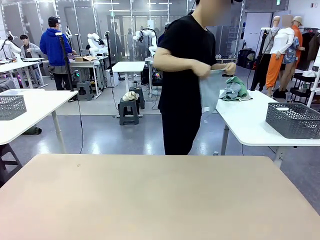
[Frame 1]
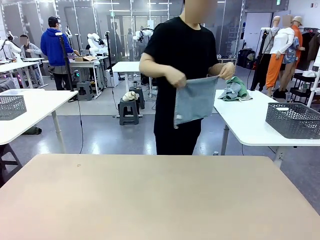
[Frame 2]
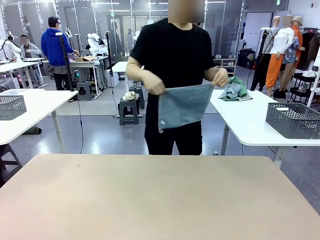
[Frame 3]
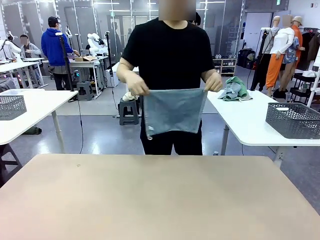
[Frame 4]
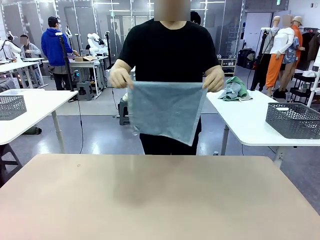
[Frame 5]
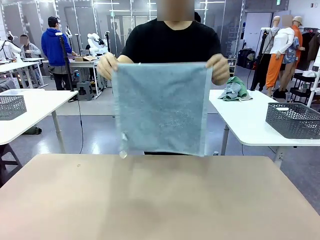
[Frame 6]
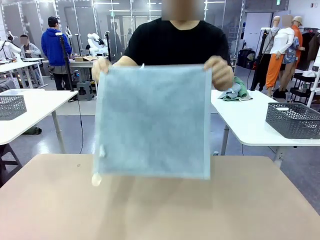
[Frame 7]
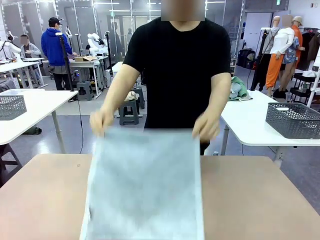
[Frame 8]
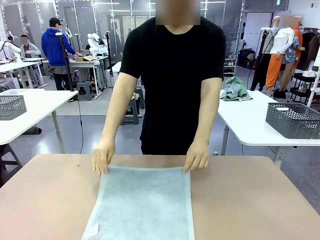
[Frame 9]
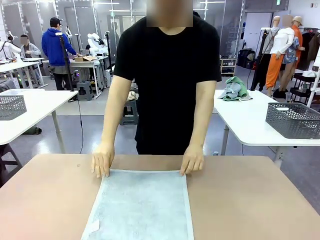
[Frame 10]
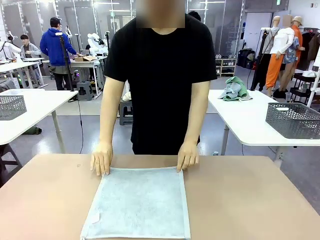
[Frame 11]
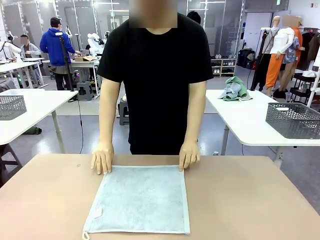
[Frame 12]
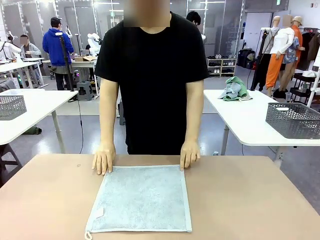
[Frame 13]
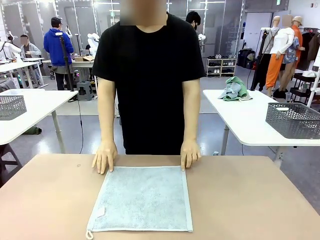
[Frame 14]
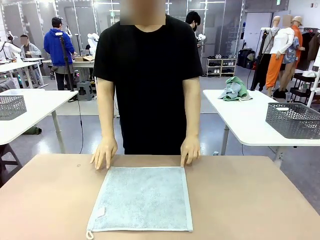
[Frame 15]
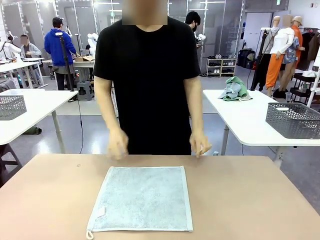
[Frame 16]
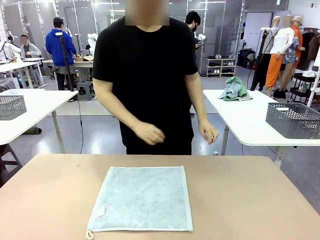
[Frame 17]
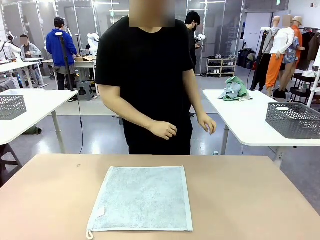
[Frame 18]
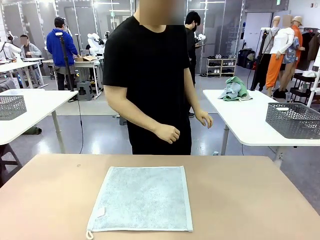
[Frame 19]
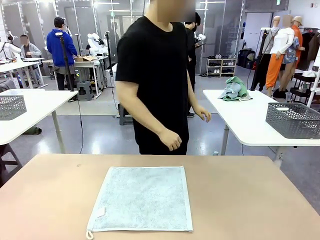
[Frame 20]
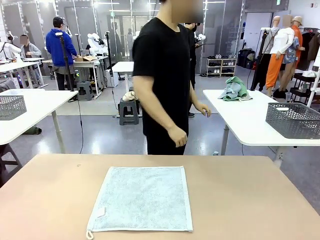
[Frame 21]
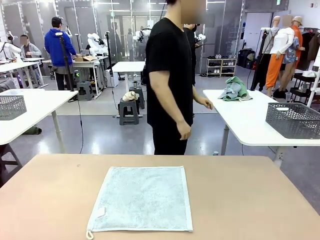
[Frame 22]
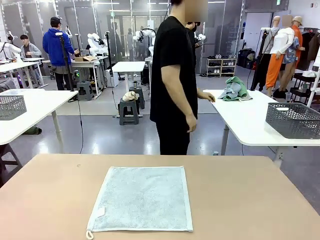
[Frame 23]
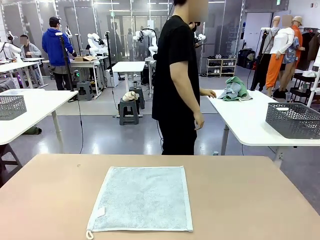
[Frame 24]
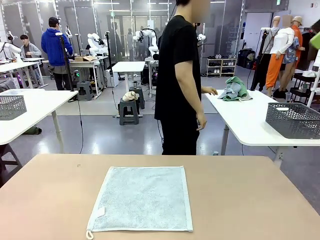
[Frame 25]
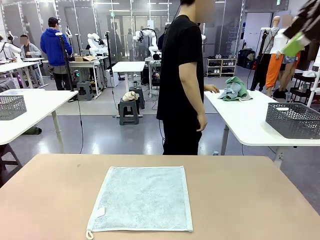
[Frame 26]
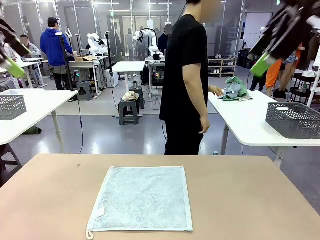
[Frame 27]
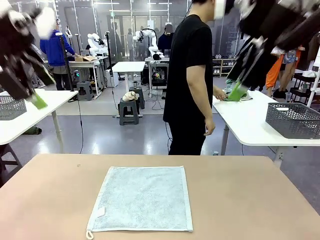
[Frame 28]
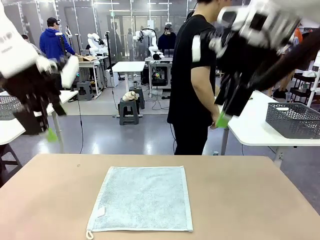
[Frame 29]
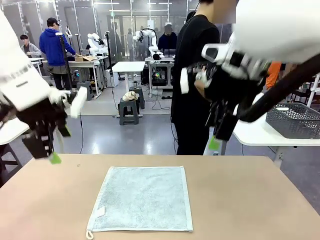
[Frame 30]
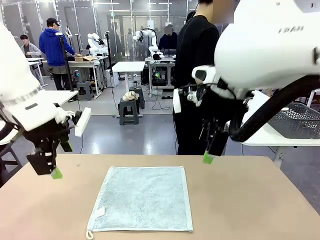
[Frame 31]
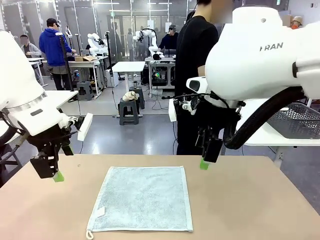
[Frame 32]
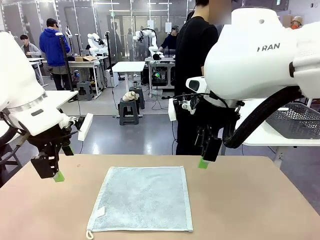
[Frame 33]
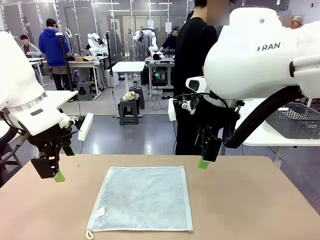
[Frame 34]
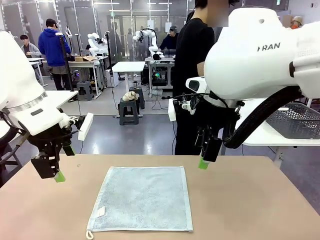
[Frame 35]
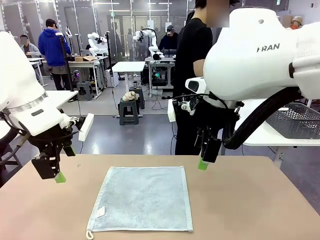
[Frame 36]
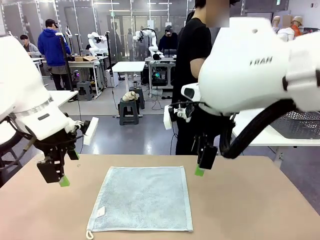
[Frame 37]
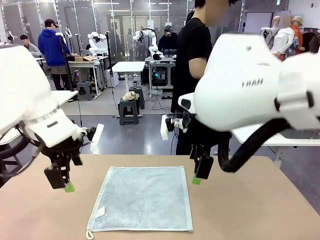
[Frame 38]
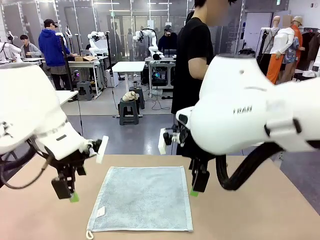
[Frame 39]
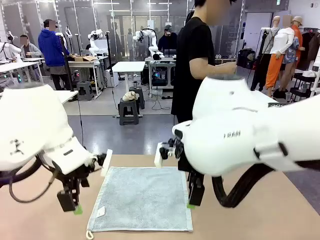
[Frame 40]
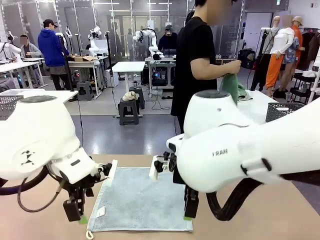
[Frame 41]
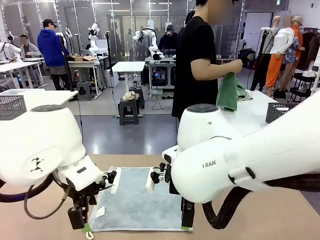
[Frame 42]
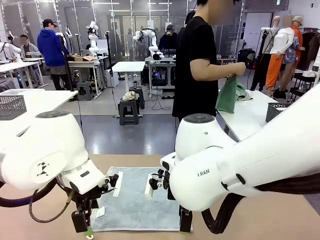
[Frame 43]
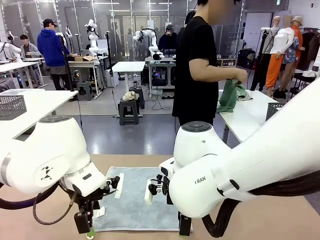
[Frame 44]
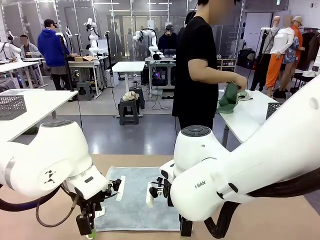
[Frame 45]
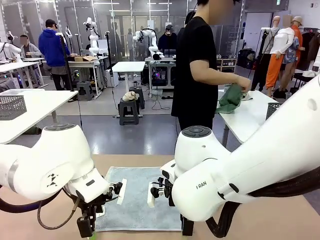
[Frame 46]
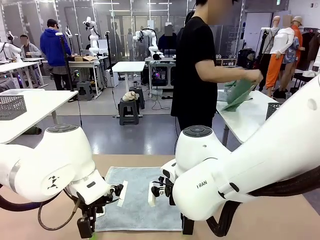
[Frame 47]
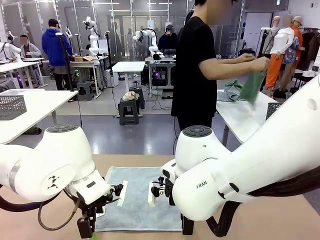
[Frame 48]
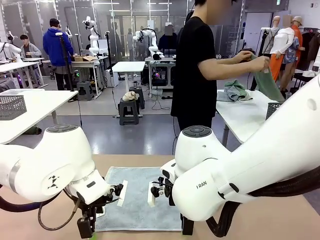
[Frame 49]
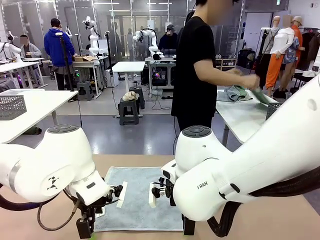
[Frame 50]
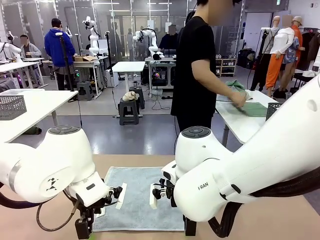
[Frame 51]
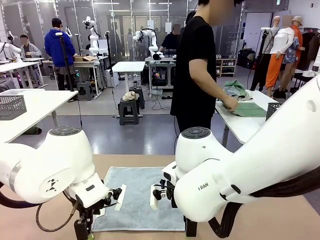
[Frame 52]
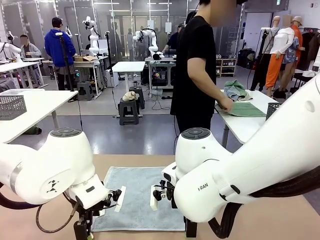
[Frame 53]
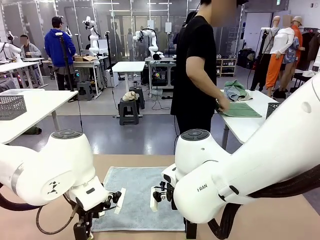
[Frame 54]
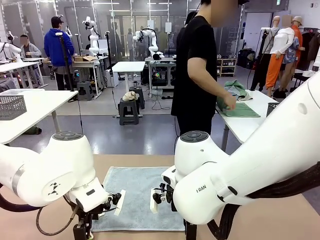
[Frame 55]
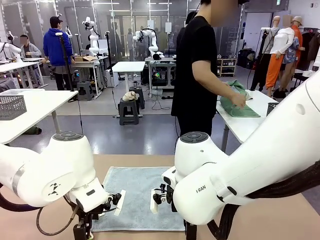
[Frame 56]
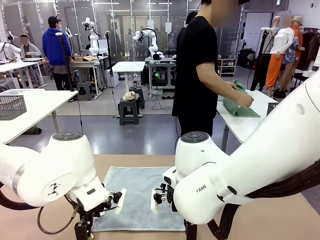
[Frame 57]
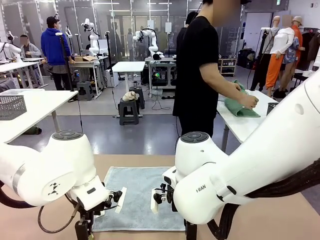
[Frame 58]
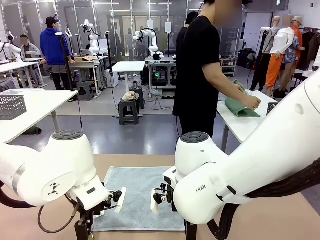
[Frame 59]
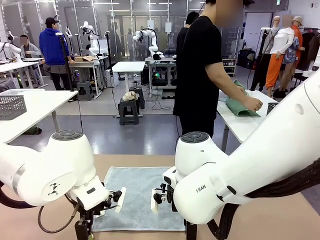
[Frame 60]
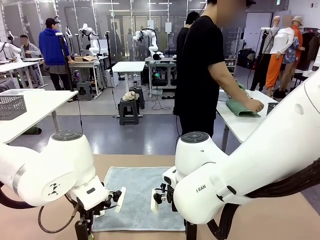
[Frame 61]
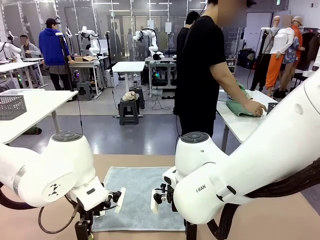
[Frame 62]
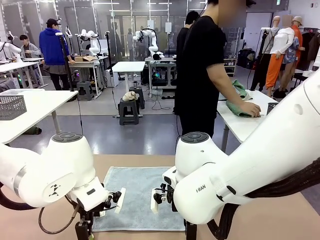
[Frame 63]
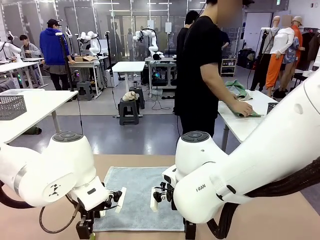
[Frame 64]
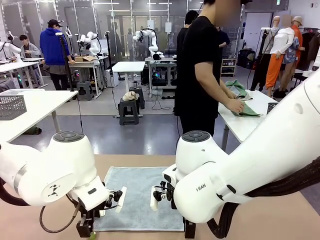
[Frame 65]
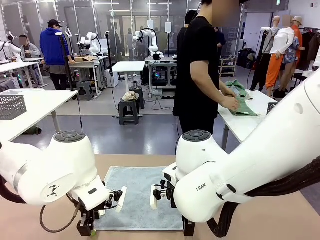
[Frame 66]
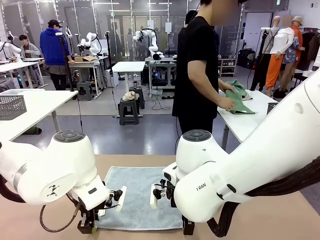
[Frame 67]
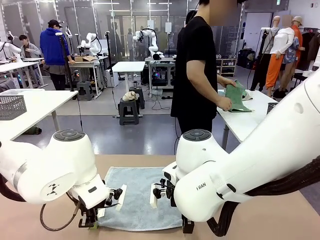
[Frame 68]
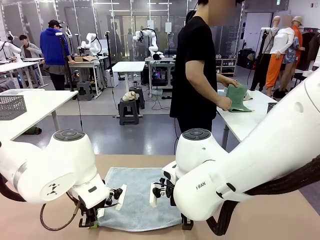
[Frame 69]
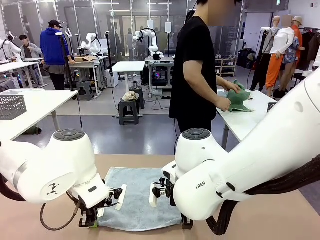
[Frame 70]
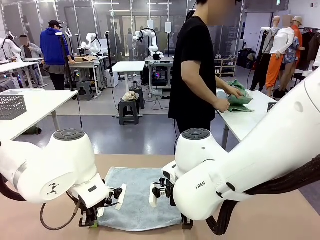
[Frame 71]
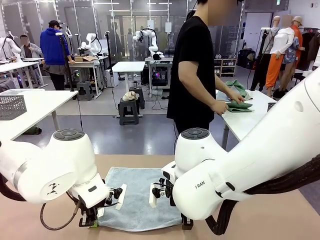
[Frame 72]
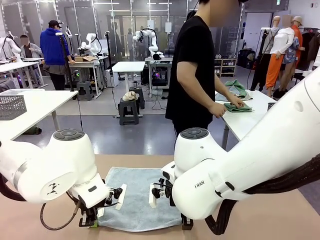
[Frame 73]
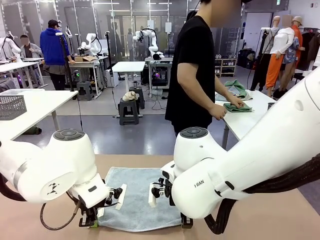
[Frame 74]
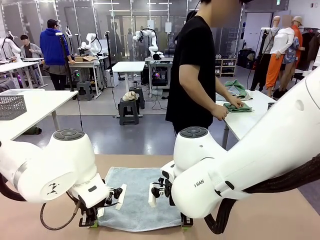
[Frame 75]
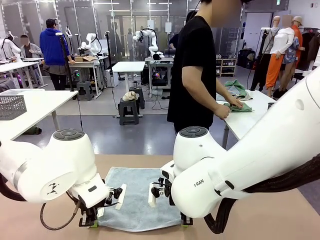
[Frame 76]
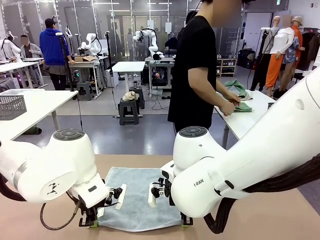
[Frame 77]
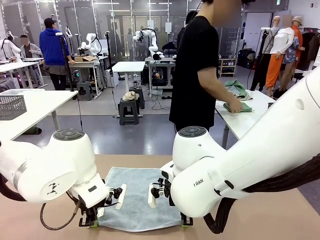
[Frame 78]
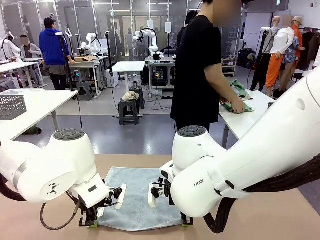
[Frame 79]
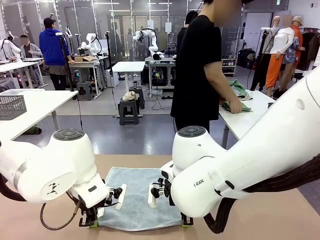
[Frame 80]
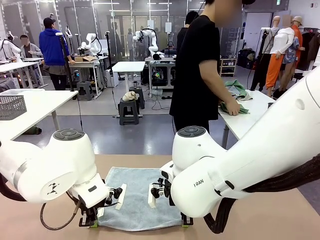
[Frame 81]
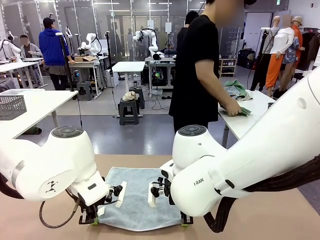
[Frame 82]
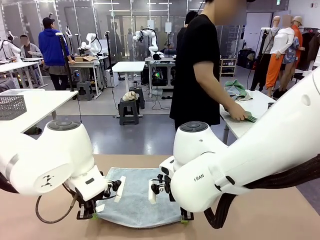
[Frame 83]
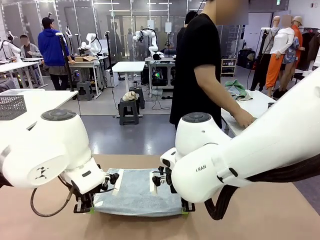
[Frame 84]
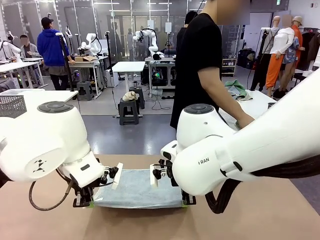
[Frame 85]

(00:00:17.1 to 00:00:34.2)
Task: Fold the towels and place them in the basket.
Robot: When a person lays out a Towel with hook on the table, fold it in half twice.
Person: Pick up one towel from the left side of the human table, fold it in half twice, and place it on the right side of the table.

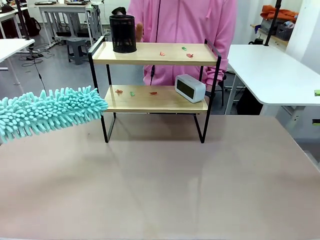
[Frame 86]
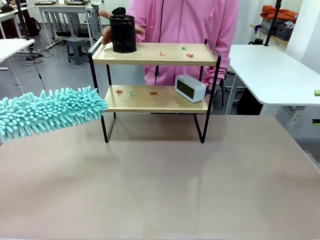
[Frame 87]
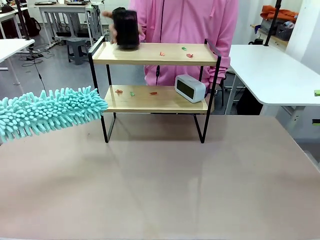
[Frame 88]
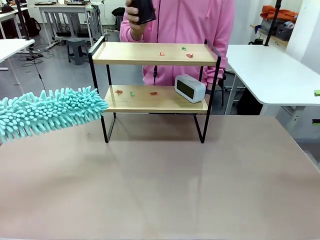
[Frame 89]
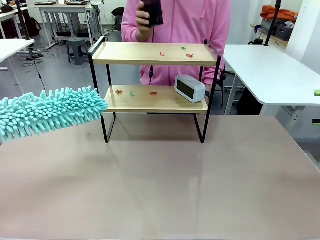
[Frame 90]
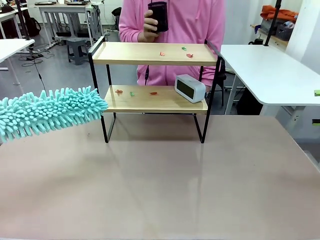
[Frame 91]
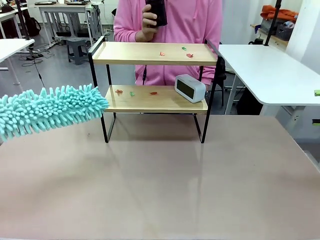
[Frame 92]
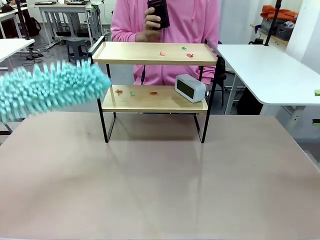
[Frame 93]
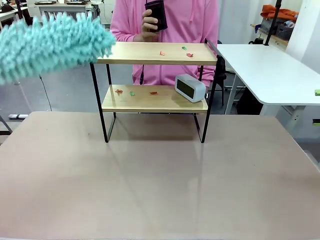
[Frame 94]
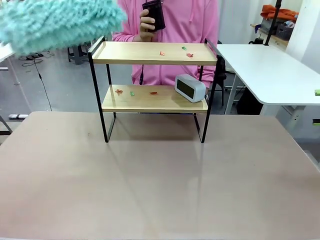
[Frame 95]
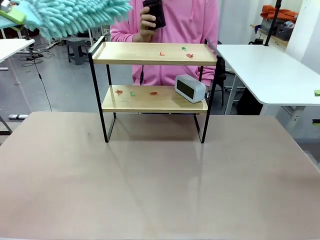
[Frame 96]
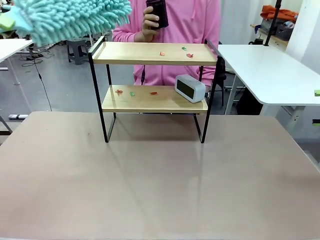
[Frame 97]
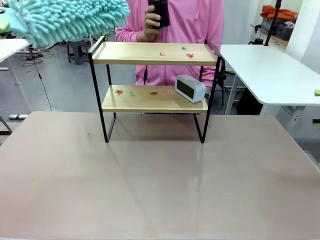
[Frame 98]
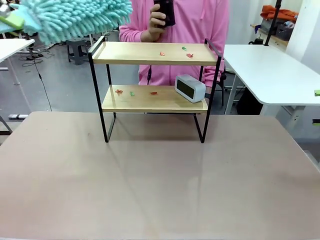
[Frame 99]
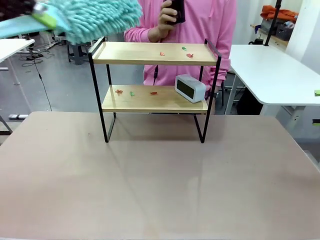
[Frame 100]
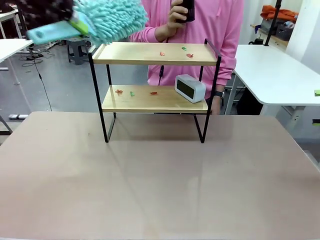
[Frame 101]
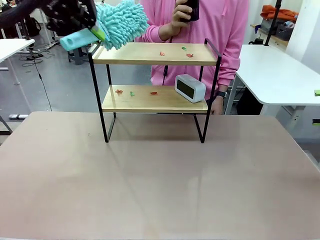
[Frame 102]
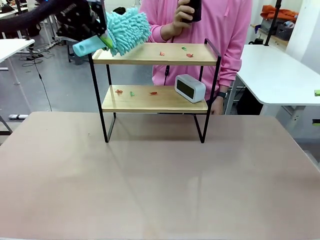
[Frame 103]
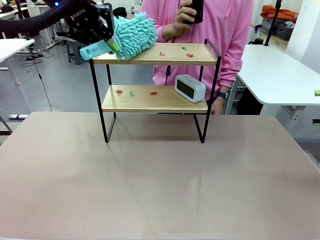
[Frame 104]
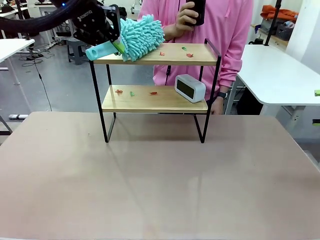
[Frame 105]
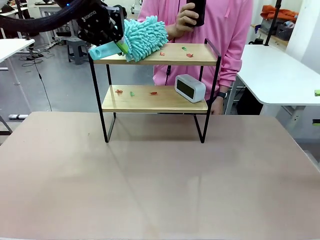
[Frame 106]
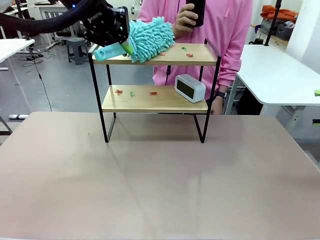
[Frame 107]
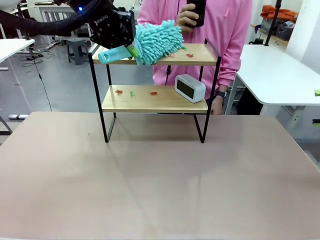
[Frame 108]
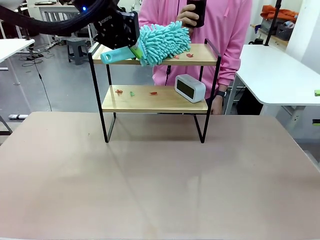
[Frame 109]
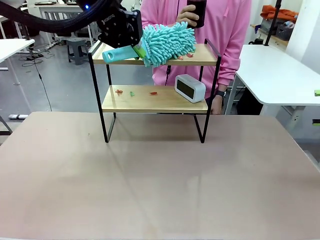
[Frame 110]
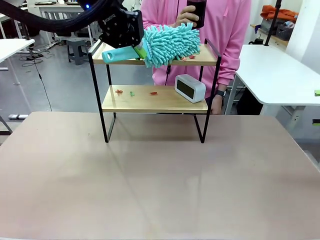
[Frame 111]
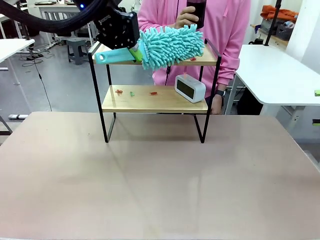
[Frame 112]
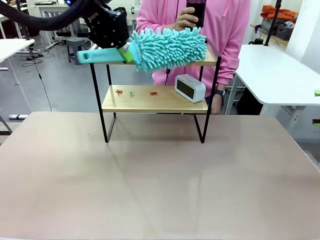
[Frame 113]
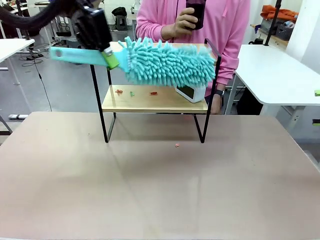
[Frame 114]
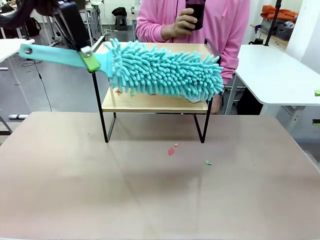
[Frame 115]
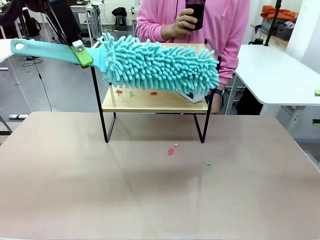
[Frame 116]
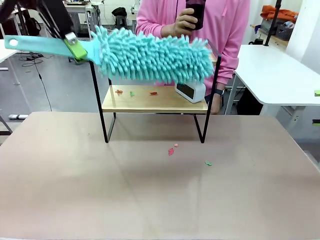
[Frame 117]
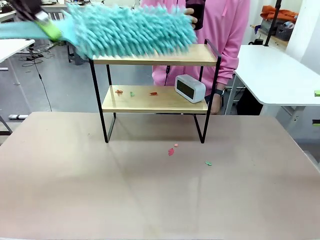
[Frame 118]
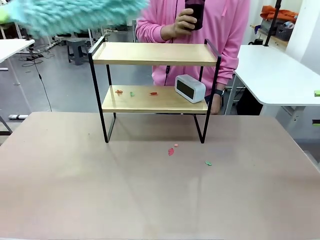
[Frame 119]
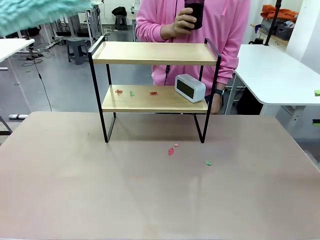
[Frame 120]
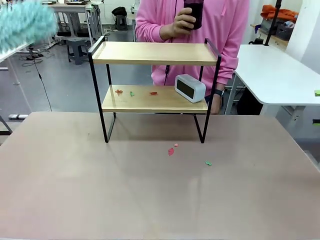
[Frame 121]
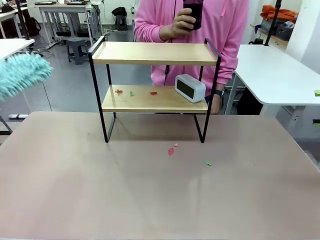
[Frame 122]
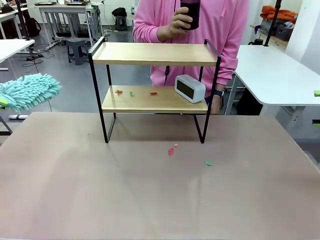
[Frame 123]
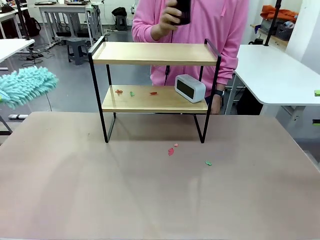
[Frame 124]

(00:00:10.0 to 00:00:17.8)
Task: Clean the shelf.
Robot: Clean the specific tier of the Shelf with the Duster once objects are removed.
Person: Lift the objects on a randomly selected tier of the Shelf. Once the robot finishes cleaning, lift the objects on the remaining tiers of the Shelf.
